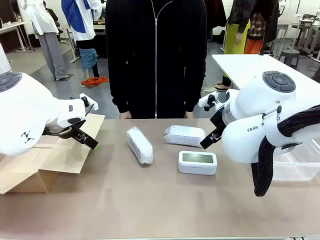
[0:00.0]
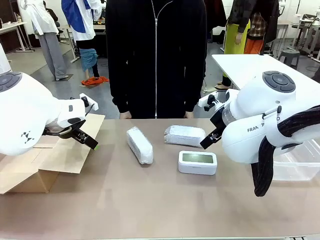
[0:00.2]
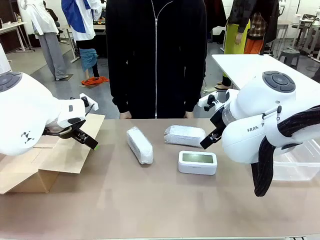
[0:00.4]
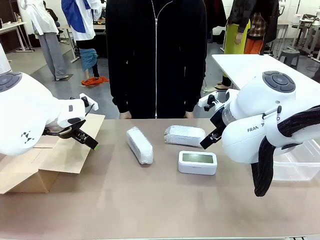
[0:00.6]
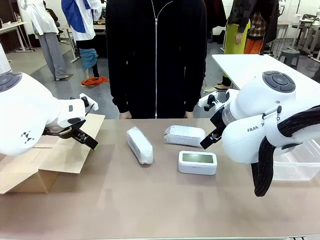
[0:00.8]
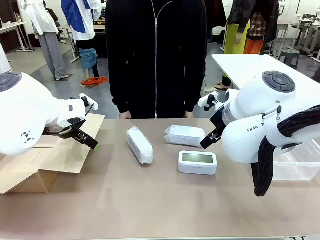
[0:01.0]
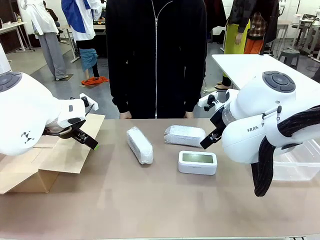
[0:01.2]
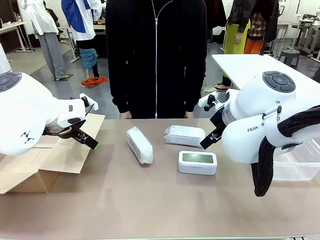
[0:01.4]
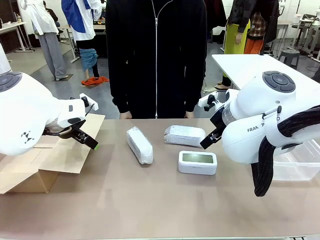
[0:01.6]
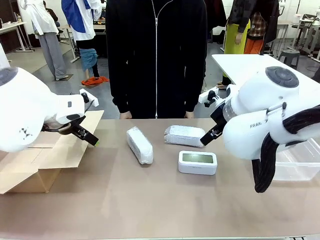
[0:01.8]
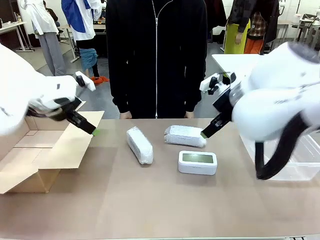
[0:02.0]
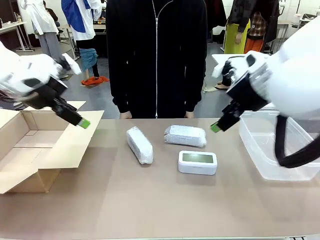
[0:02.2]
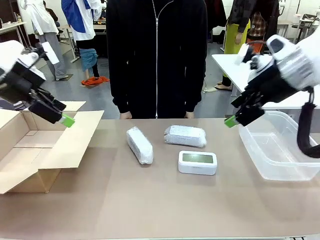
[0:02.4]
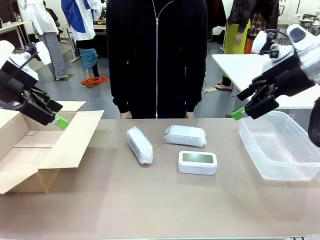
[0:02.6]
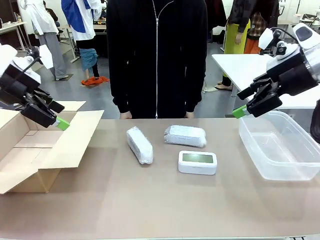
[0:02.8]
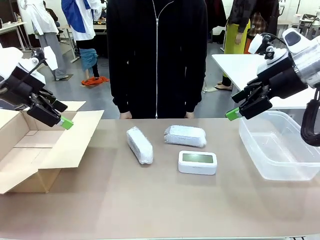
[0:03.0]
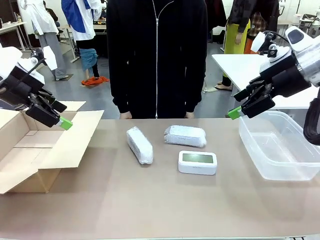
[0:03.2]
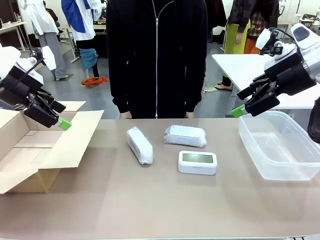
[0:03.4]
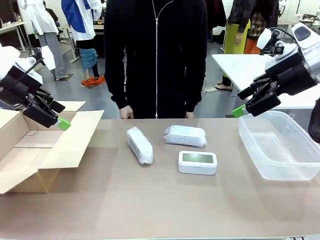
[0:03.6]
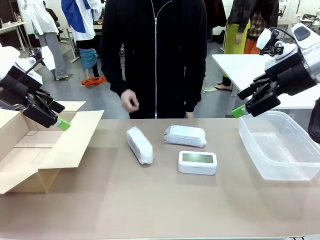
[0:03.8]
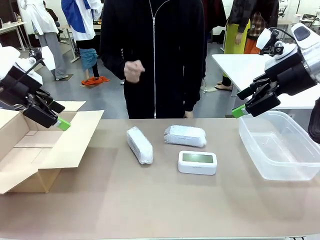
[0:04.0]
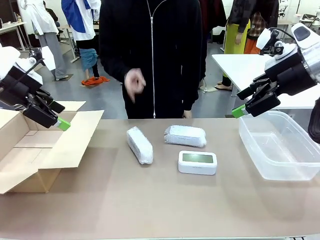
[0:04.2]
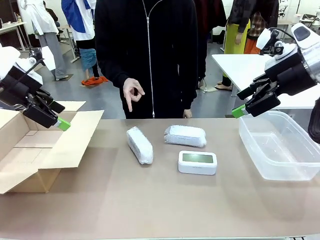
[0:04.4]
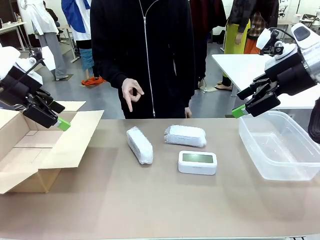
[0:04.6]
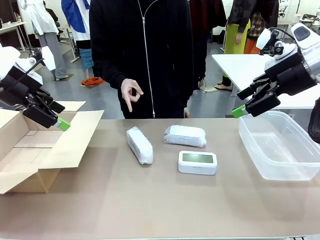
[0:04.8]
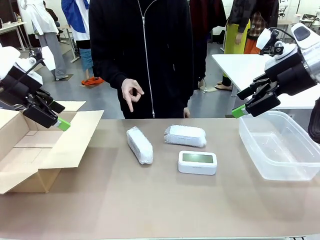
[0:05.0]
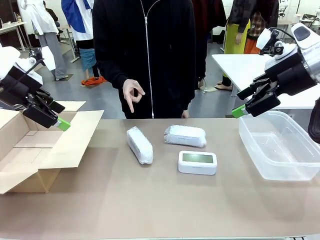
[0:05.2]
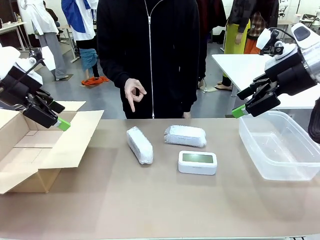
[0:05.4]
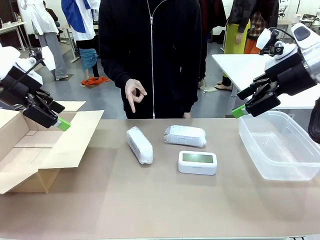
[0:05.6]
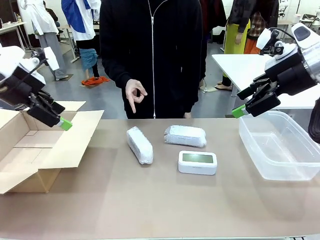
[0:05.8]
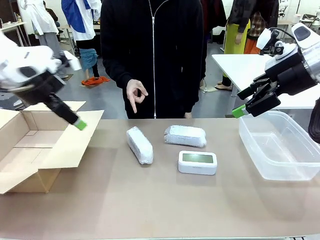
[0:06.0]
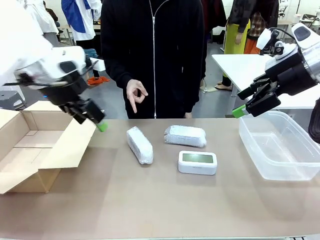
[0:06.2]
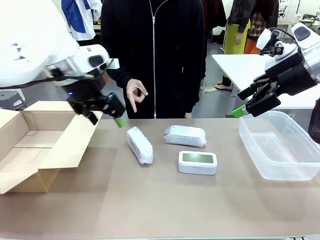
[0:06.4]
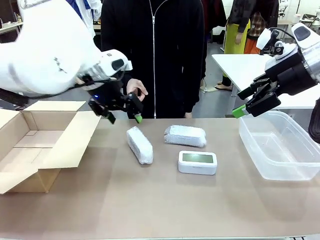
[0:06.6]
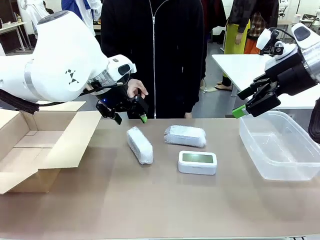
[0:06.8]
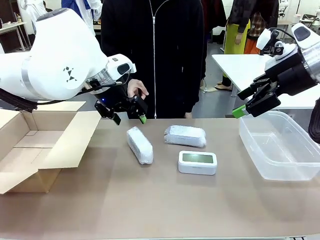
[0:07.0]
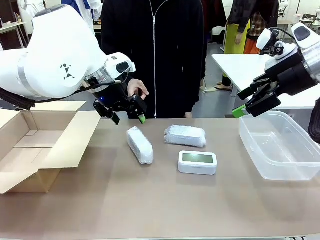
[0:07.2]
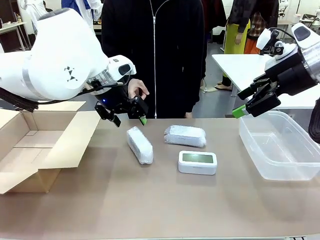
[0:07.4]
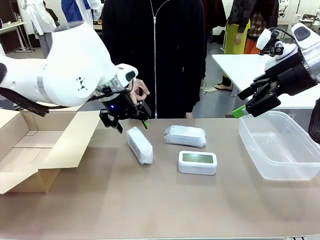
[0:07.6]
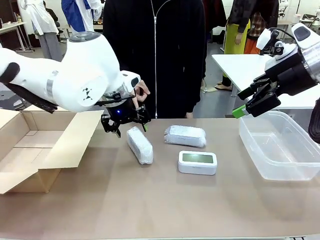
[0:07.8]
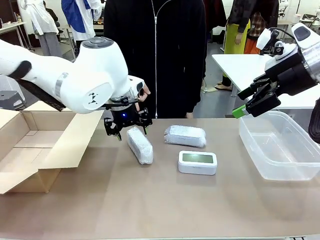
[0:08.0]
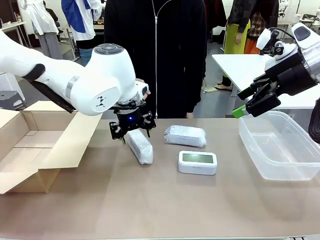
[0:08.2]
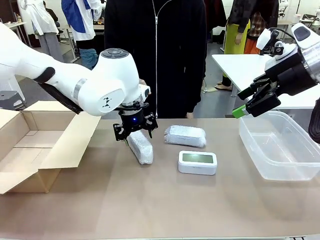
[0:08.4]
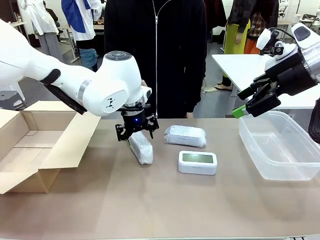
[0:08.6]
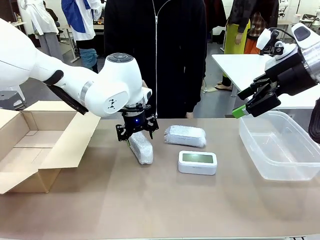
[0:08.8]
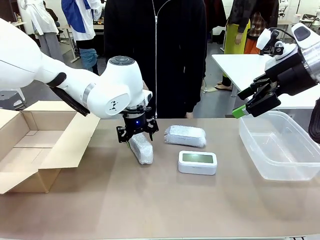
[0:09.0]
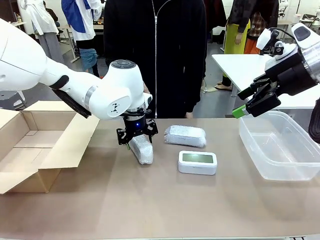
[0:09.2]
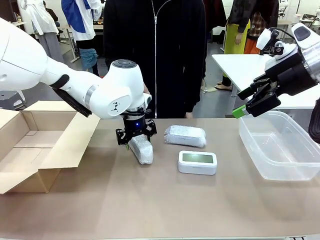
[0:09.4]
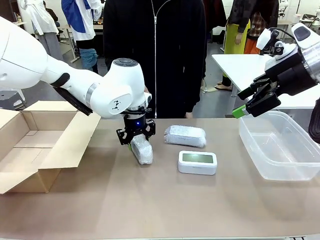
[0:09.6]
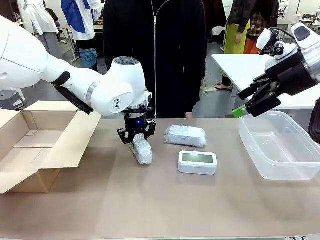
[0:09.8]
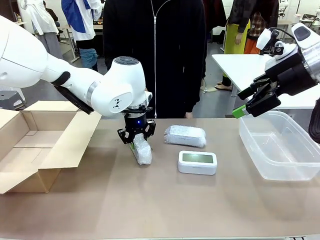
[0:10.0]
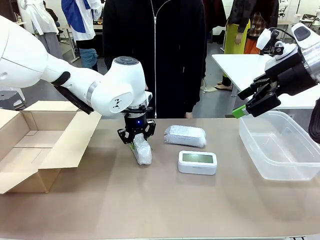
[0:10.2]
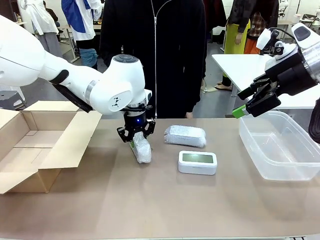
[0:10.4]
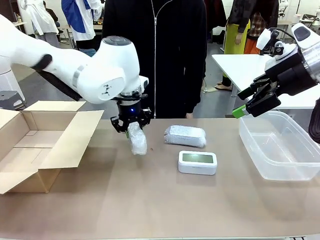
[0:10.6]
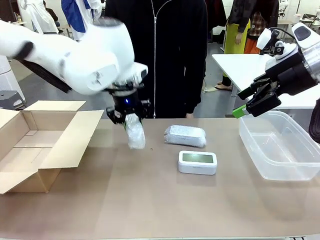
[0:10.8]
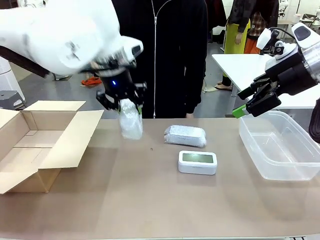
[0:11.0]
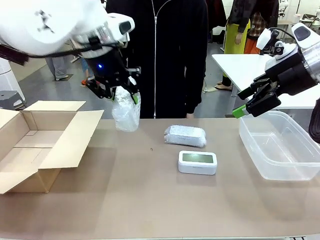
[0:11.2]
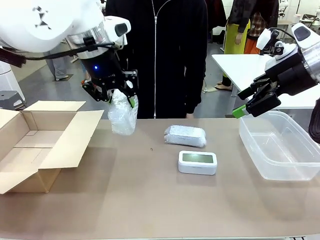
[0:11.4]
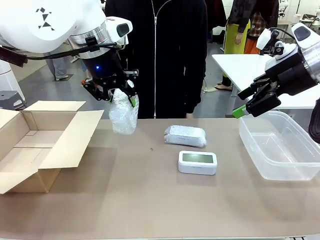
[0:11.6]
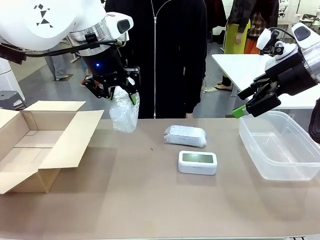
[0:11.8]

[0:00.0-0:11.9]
Task: Separate and place wrapped and unwrapped clocks.
Robot: Pick up the Digital clock indicated by the person.

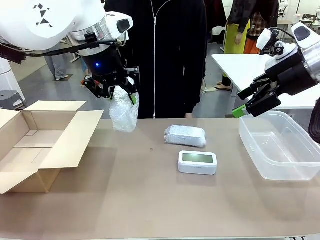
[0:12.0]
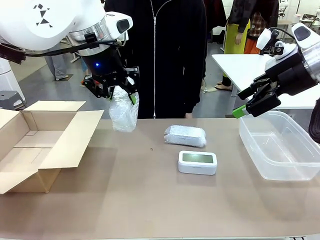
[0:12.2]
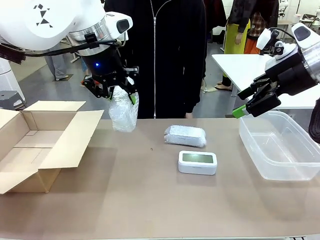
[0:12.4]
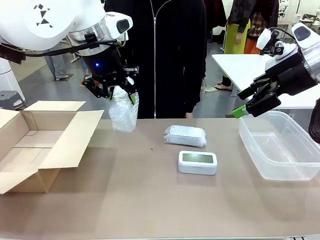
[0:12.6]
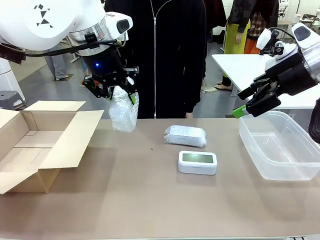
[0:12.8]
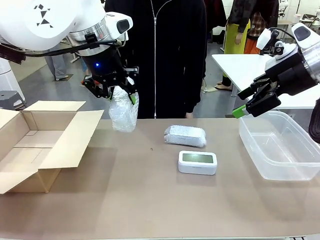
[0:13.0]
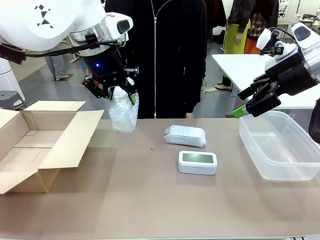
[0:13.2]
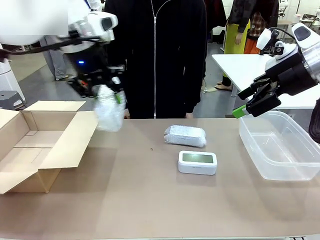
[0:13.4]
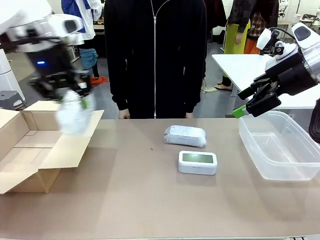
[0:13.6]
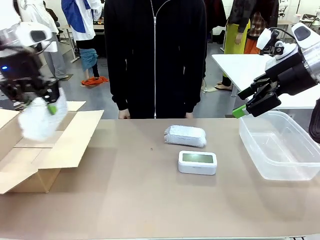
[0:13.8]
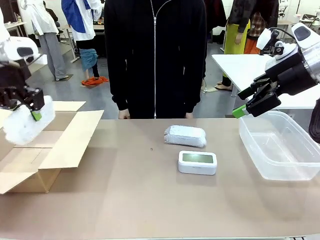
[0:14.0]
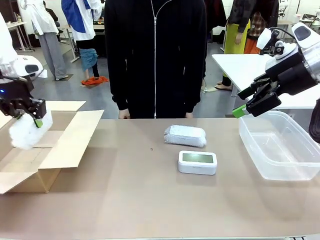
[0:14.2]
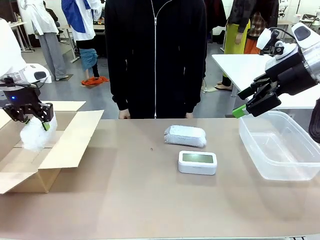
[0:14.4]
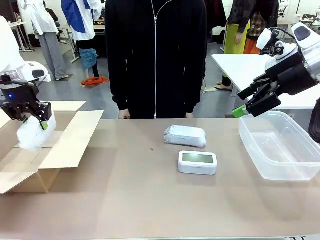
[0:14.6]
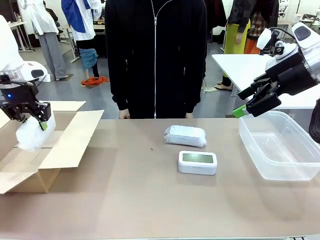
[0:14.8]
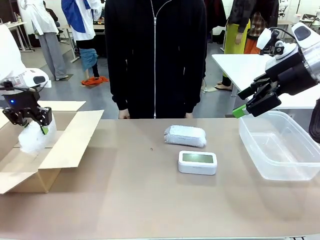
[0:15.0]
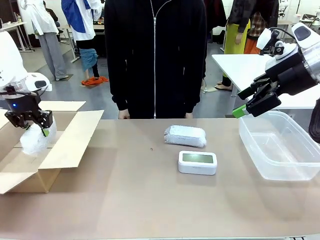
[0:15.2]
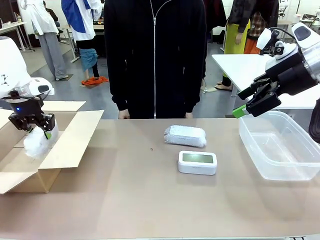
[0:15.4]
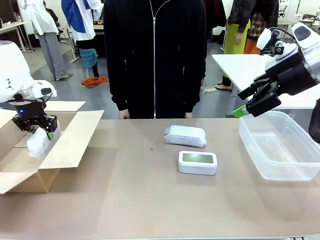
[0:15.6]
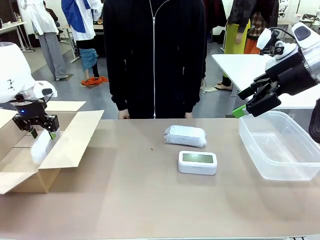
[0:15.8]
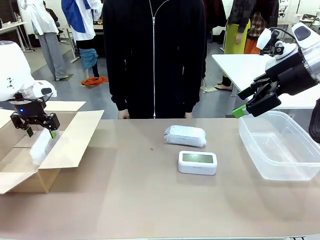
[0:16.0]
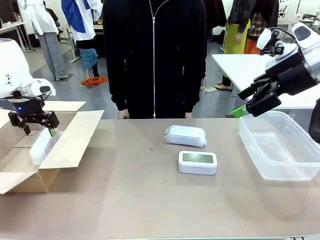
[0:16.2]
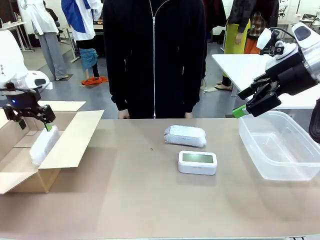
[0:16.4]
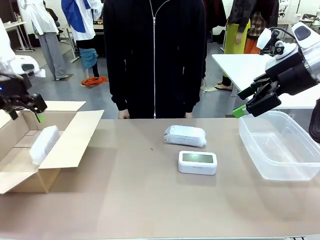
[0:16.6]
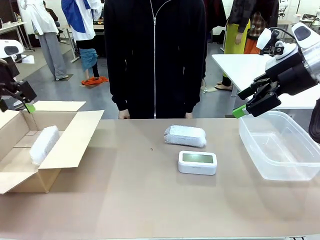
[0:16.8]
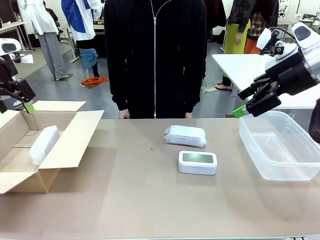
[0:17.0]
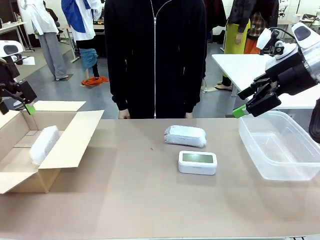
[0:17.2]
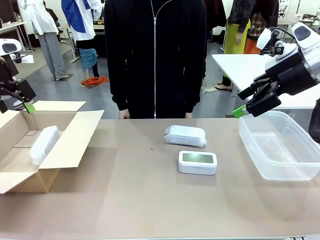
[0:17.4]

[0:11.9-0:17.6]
Robot: If the picked Digital clock is wrapped, place it in the Package Box ; if not, place it in the Organizing box.
